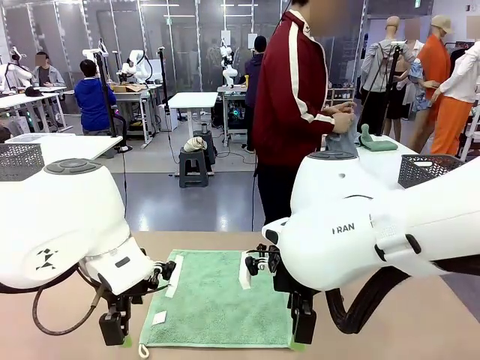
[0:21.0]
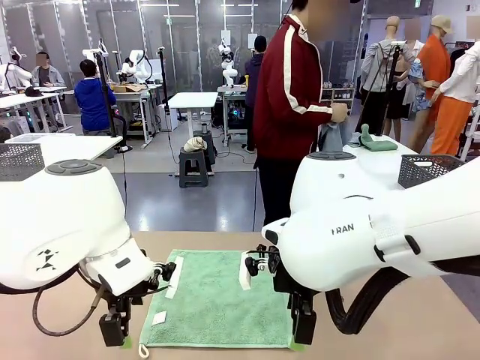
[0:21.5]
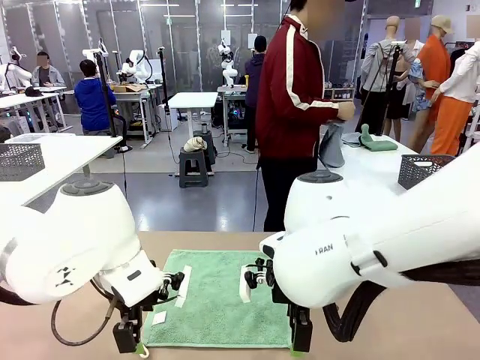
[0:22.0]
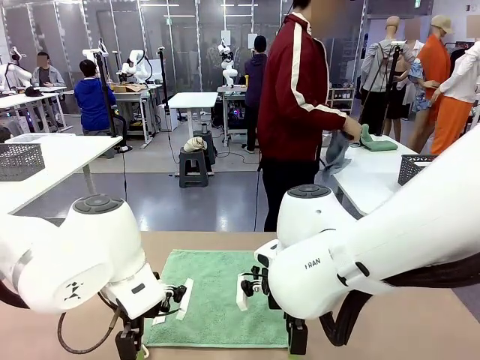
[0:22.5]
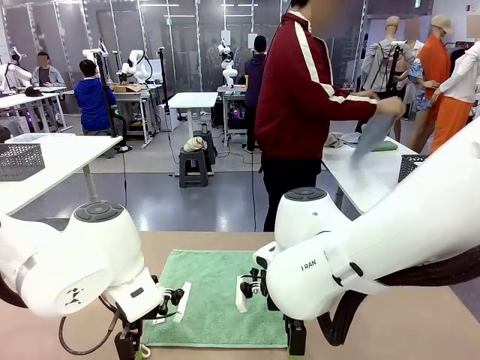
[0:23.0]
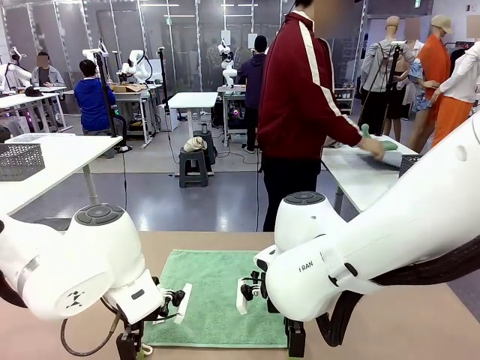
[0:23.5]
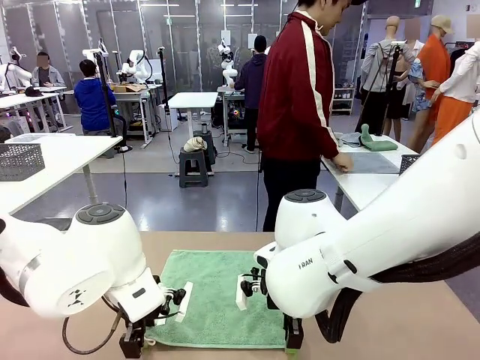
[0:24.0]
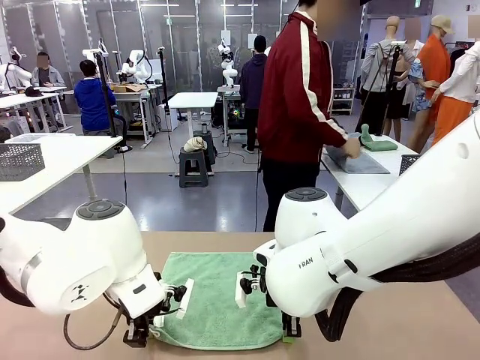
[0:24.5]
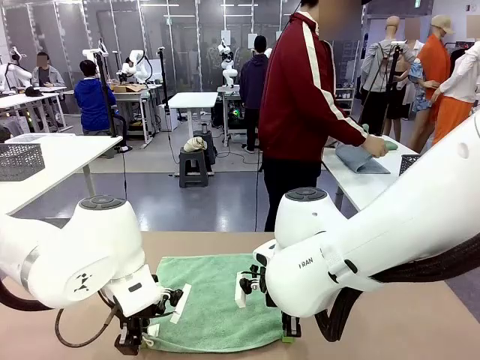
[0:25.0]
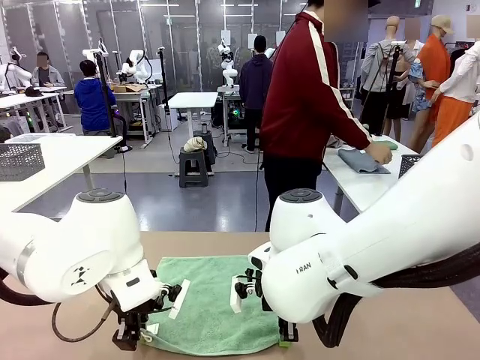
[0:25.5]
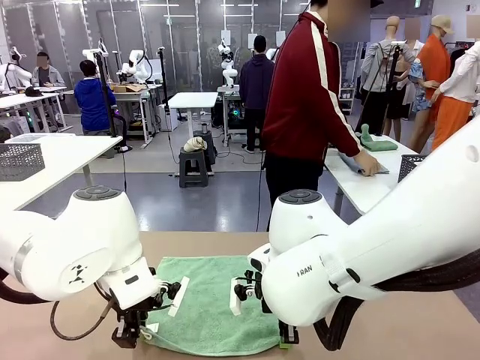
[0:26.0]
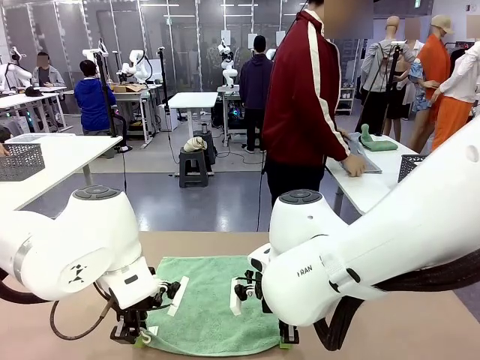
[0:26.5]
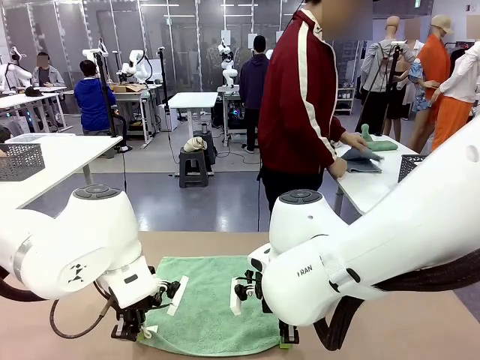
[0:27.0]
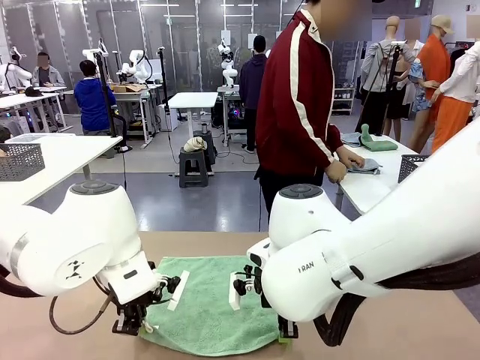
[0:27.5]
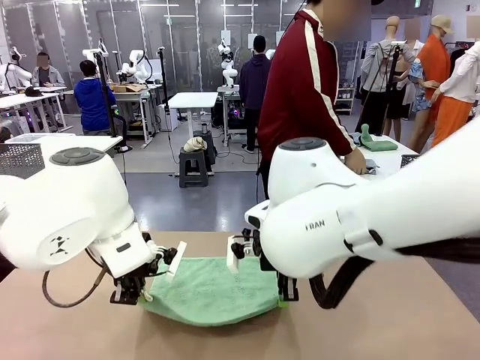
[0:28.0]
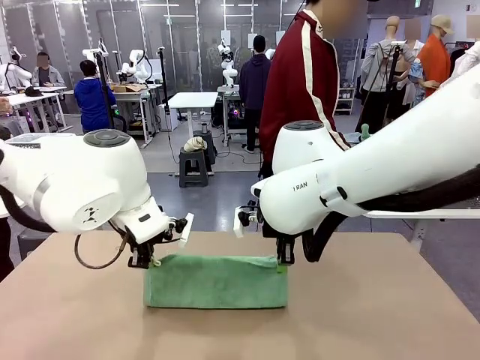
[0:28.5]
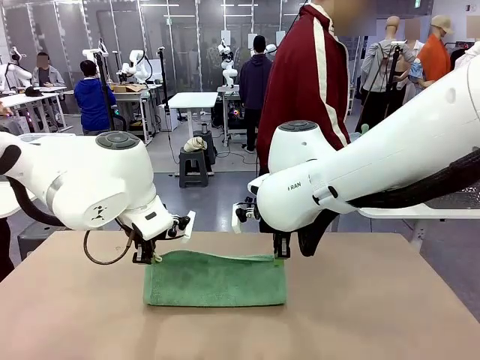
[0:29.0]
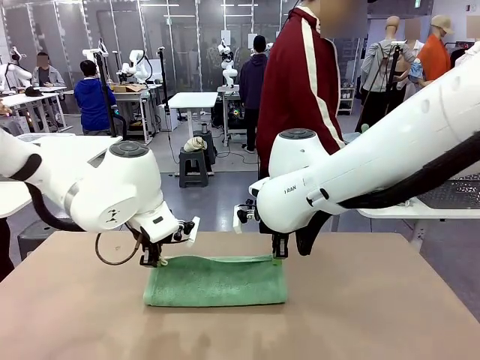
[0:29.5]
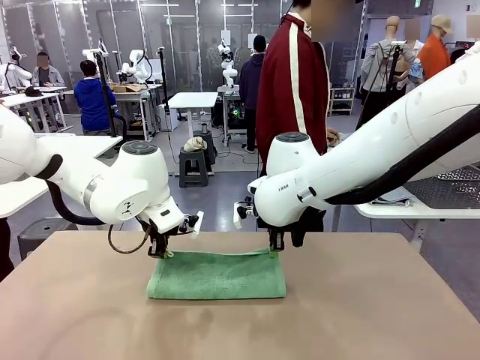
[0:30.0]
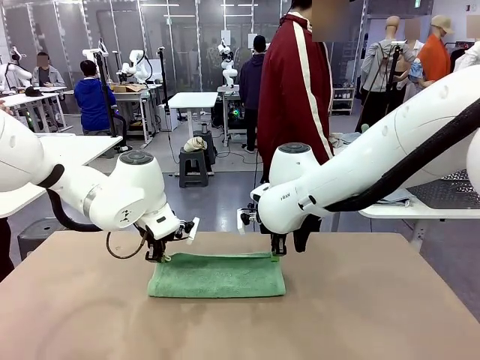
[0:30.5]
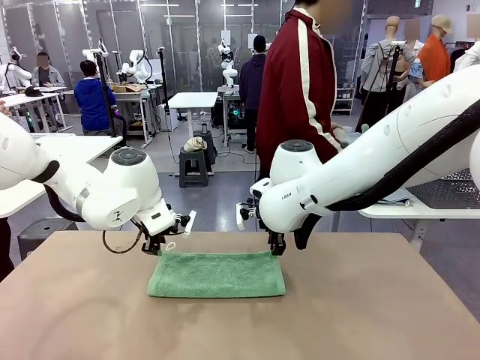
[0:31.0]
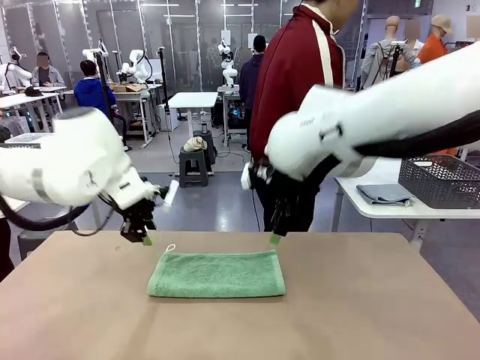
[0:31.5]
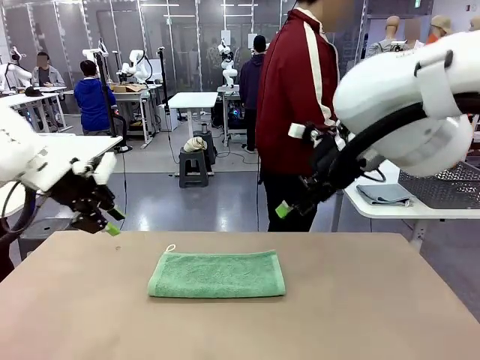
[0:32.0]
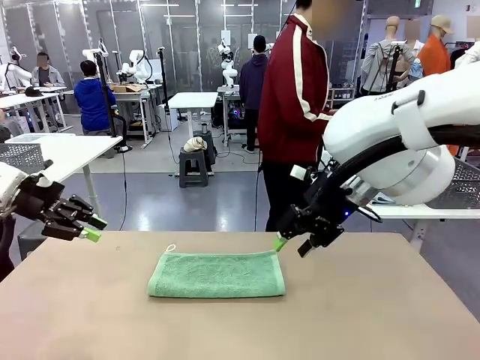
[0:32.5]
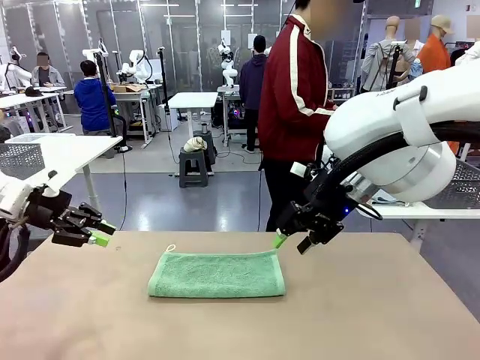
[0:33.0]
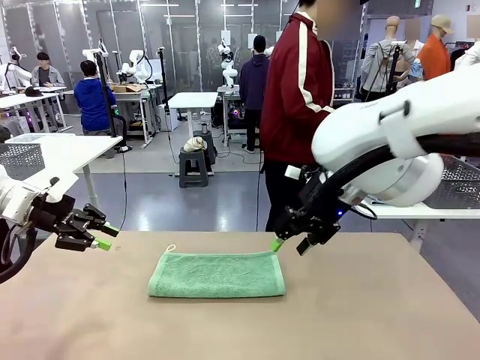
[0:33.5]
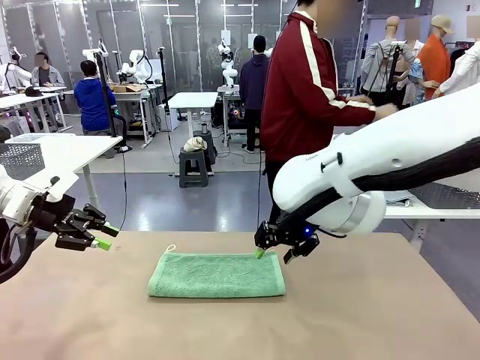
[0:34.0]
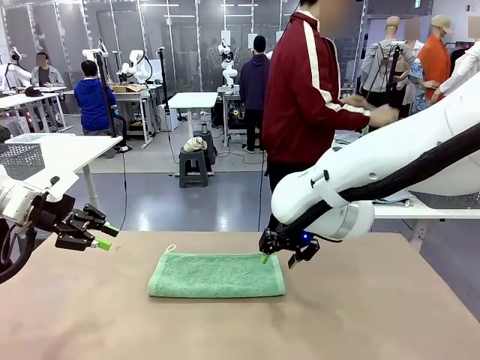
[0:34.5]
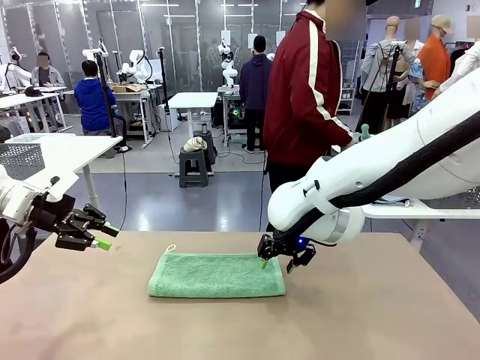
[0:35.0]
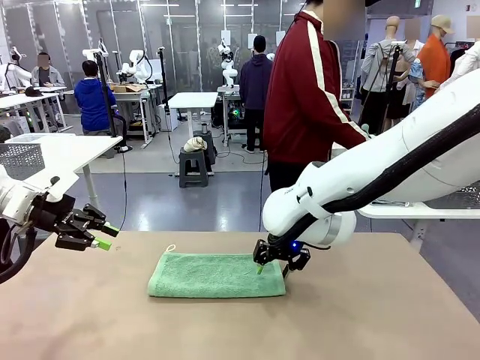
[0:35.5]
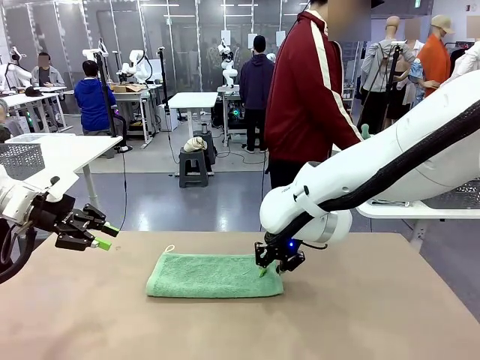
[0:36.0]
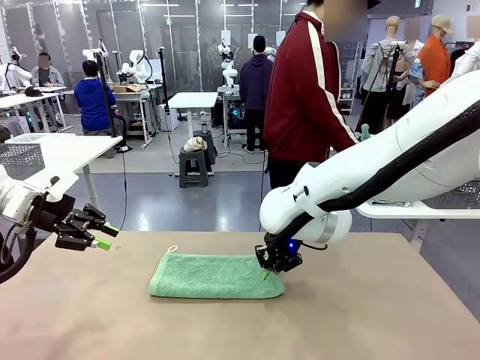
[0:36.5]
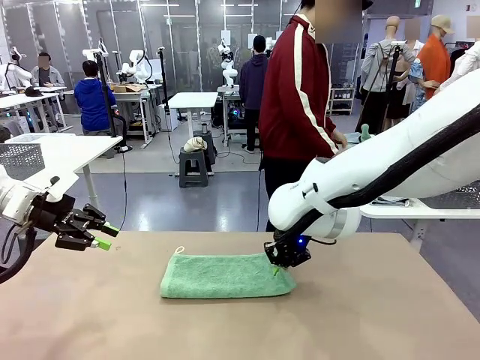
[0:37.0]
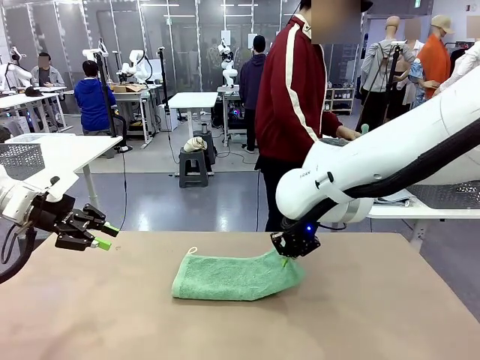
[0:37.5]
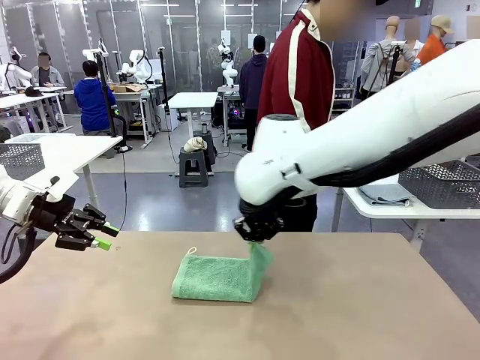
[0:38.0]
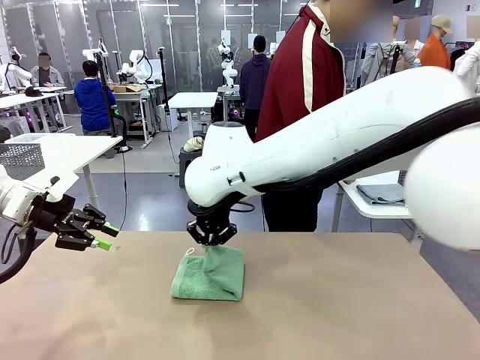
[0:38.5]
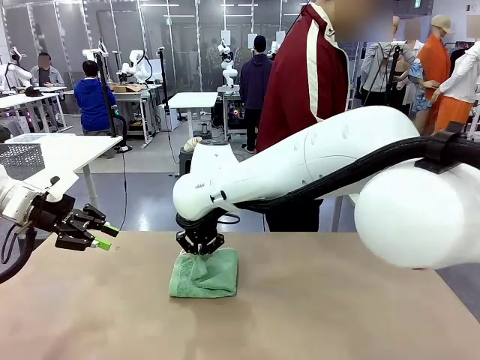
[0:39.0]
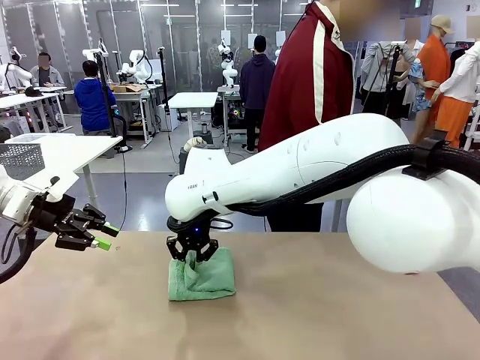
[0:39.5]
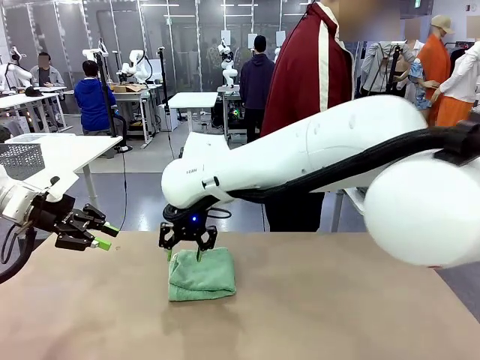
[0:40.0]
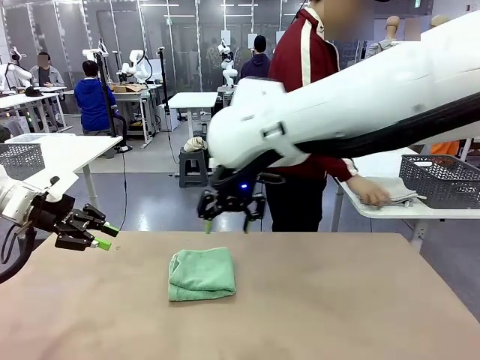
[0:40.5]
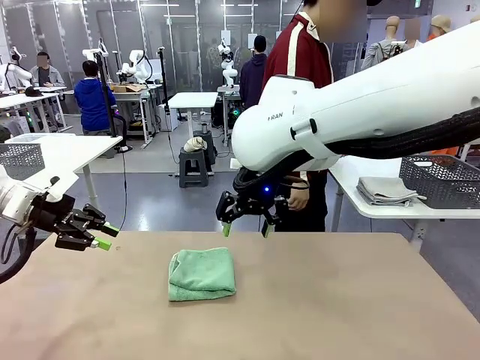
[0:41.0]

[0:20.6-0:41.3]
Task: Fold the towels and place them in the basket.
Robot: When a person lays out a Towel with hook on the table, fold it in half twice.
Person: Pick up one towel from the left side of the human table, fold it in half twice, and place it on the right side of the table. Pick up one towel from the left side of the human table, fold it in half twice, and stack it on the right side of the table.

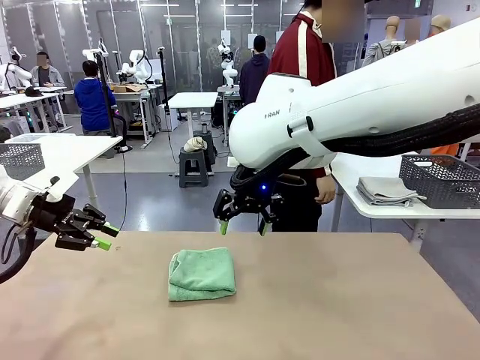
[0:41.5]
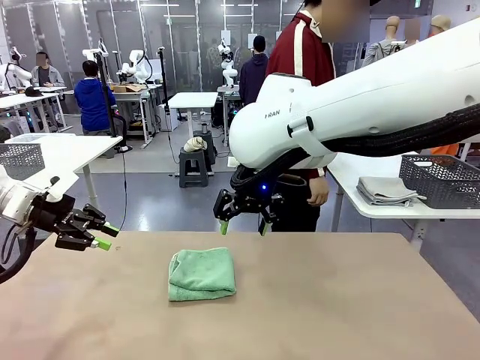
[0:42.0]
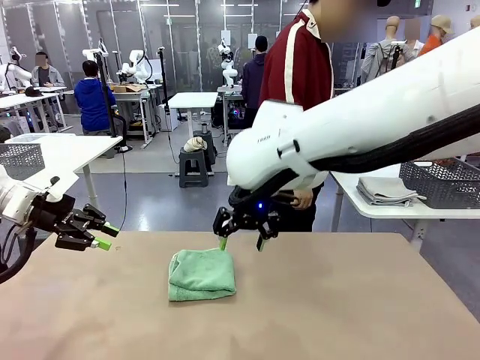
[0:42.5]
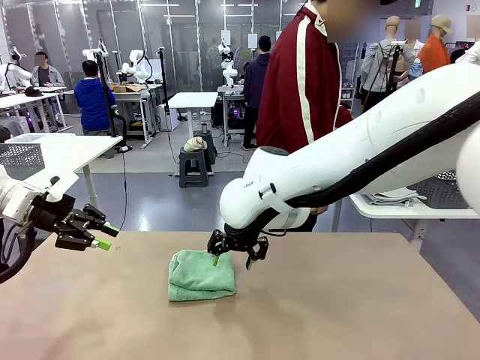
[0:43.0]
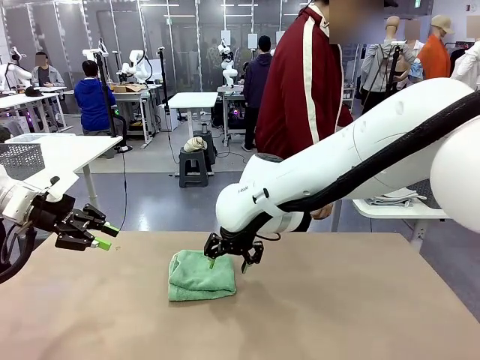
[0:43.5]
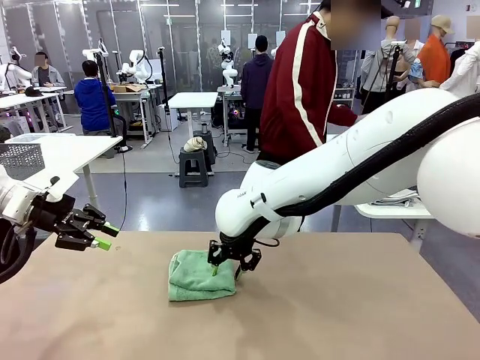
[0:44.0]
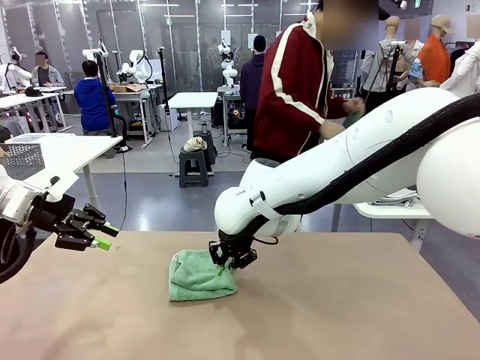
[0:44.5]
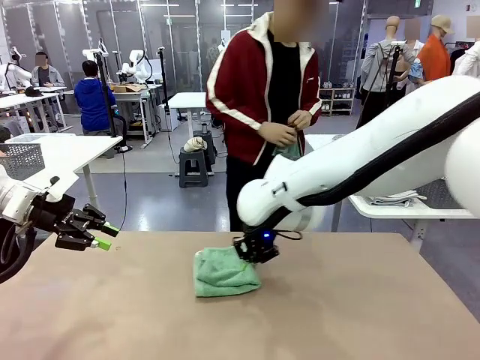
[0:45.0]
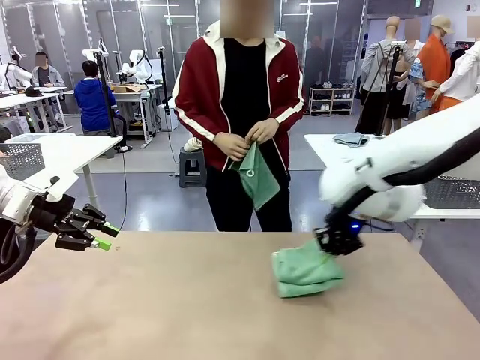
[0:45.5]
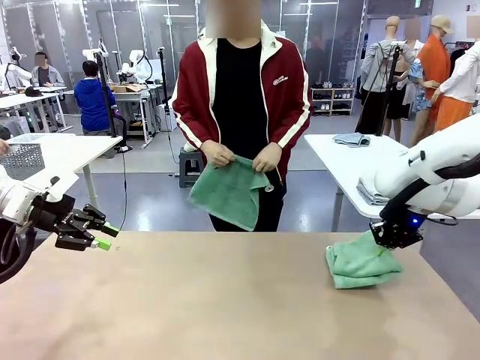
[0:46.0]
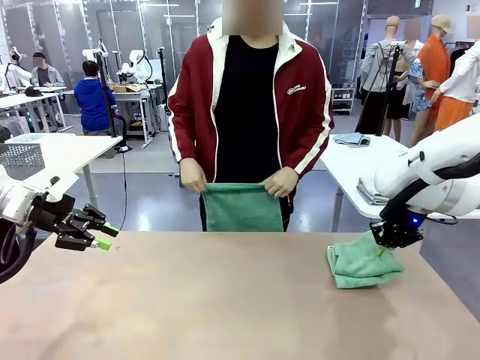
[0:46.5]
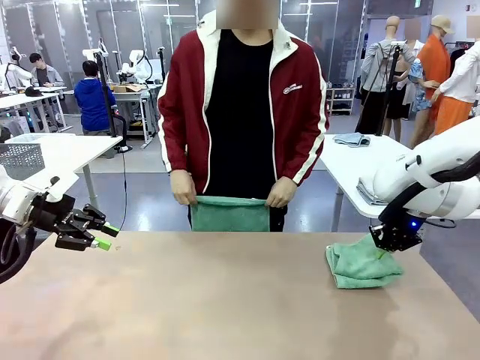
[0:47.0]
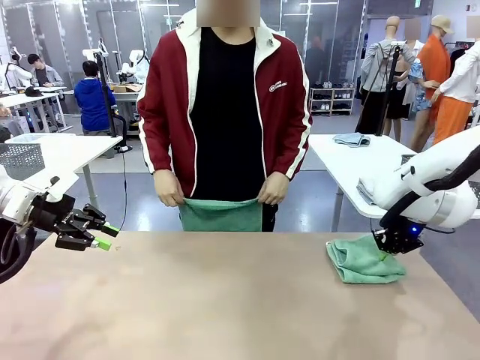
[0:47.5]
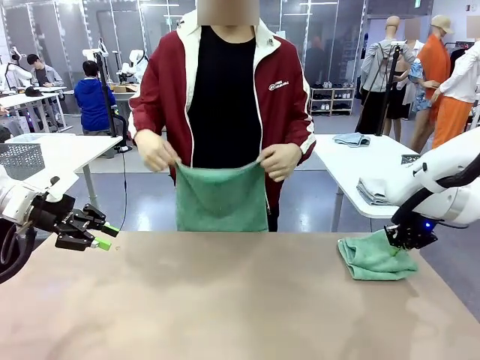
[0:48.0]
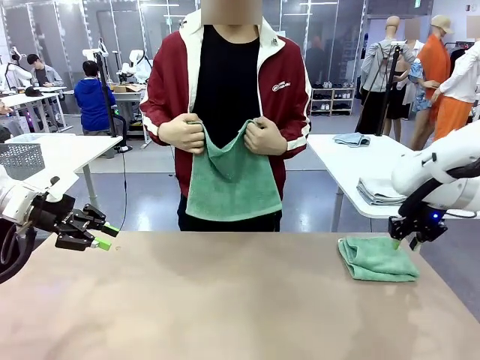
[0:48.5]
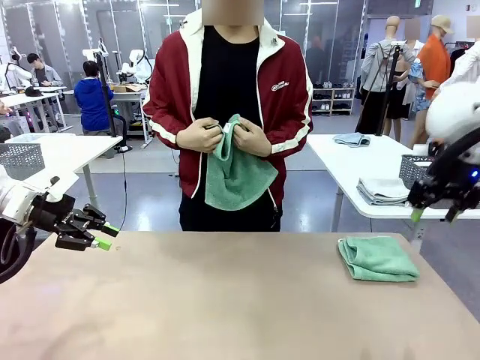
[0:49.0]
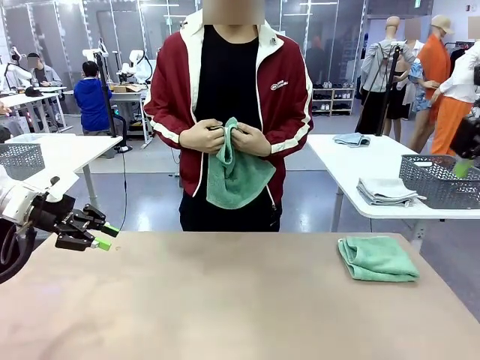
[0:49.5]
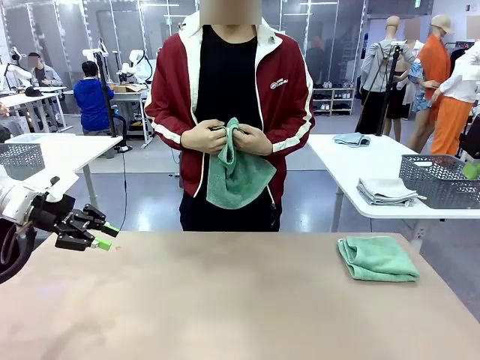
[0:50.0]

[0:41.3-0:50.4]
Robot: Place the folded Towel with hook on the right side of the table.
Person: Pick up one towel from the left side of the human table and spread it out at the center of the robot table.
